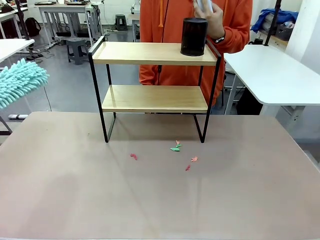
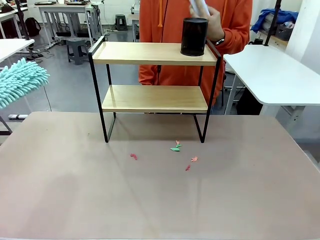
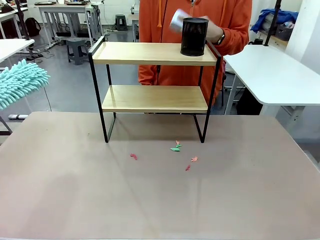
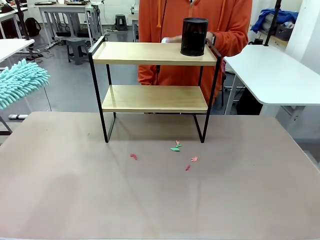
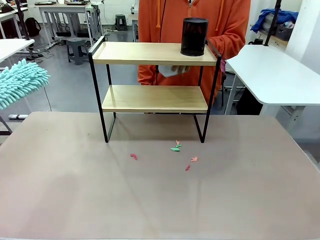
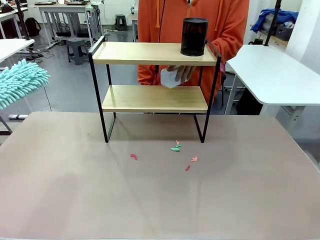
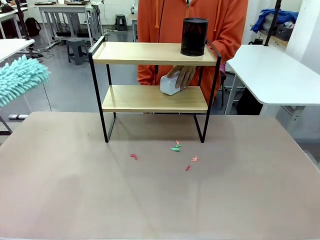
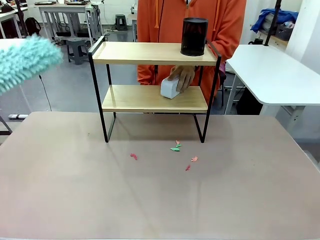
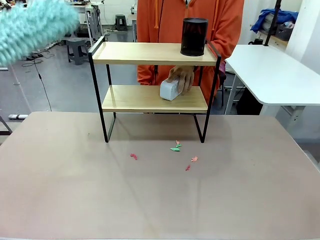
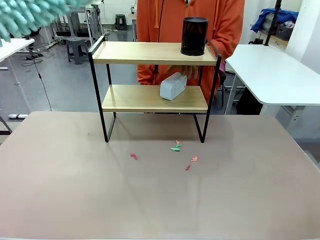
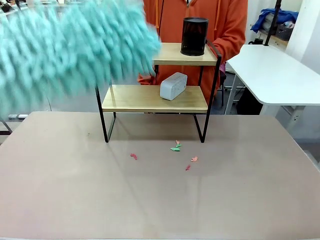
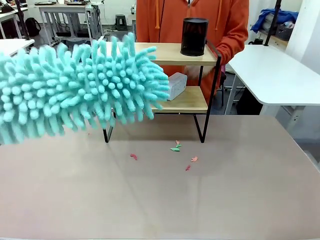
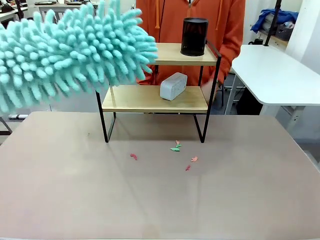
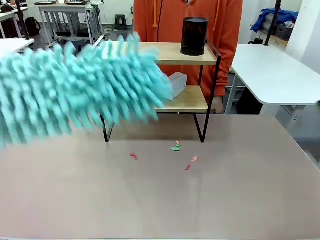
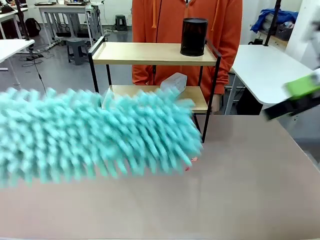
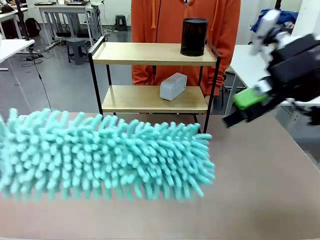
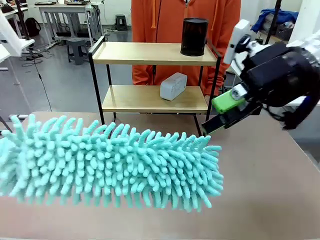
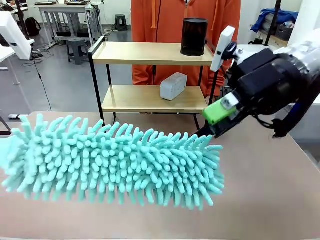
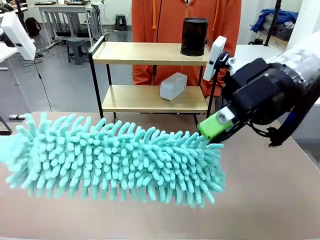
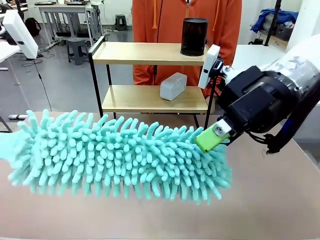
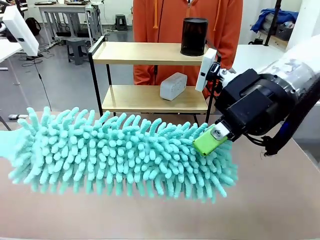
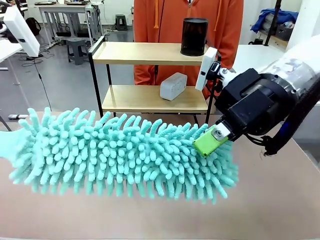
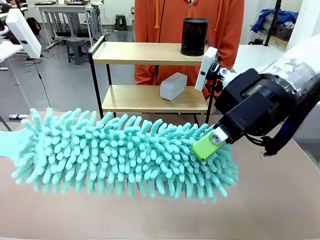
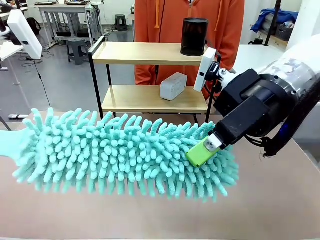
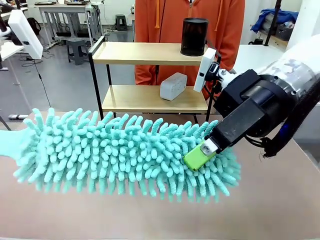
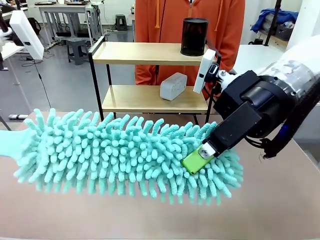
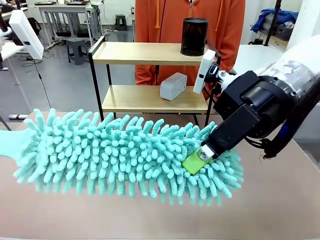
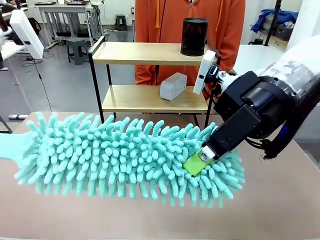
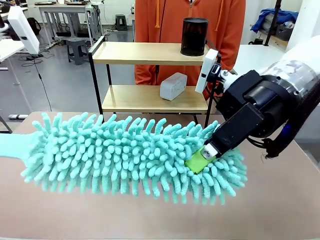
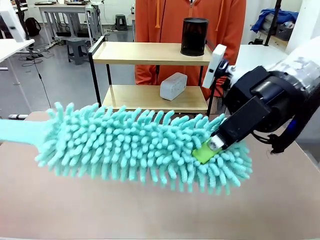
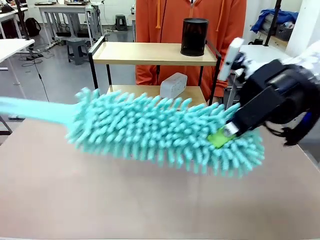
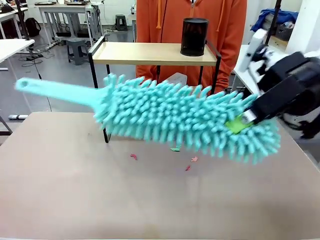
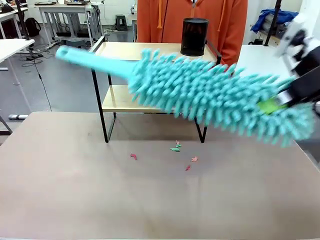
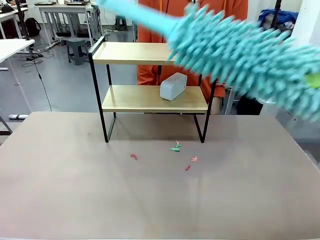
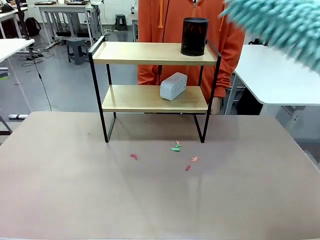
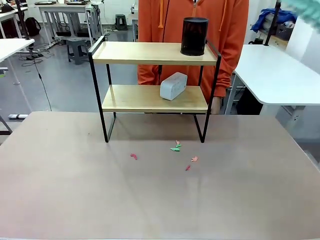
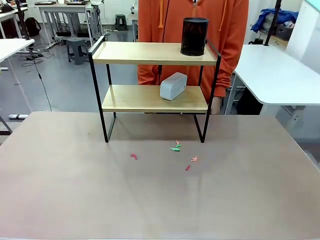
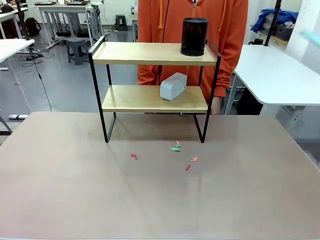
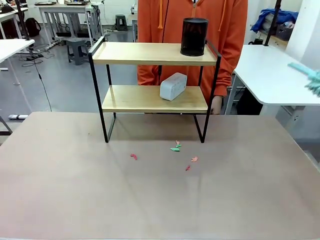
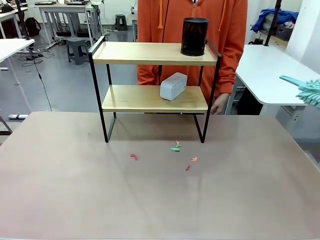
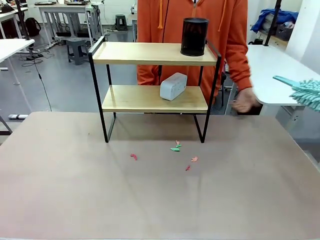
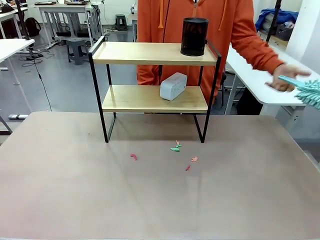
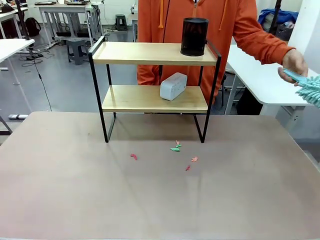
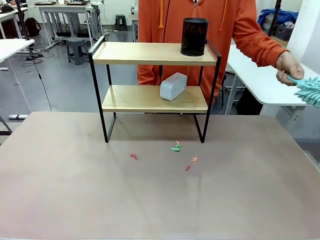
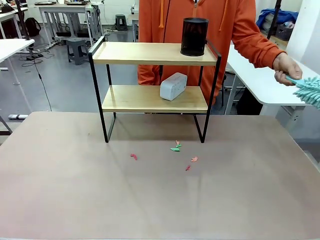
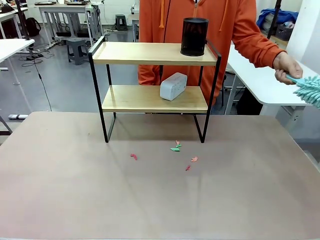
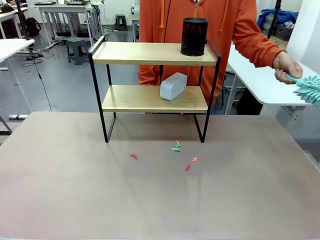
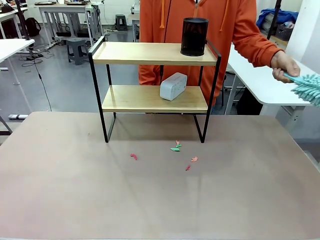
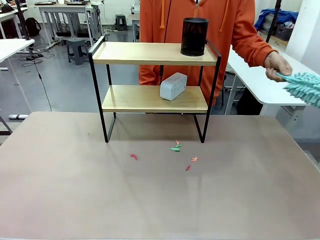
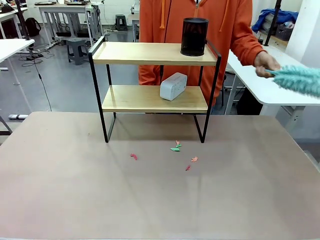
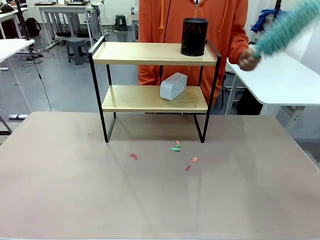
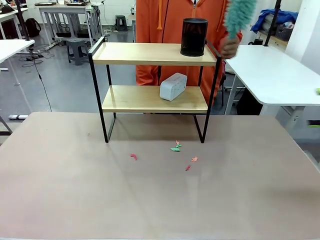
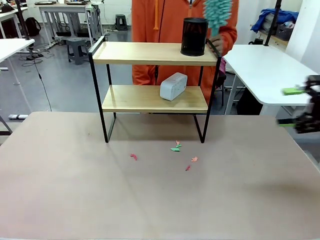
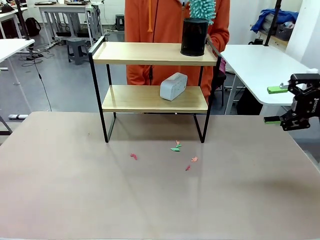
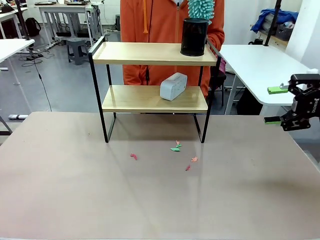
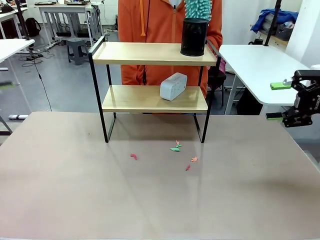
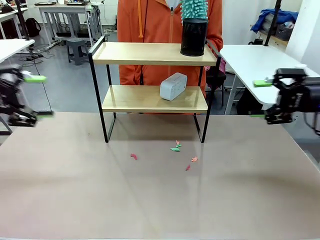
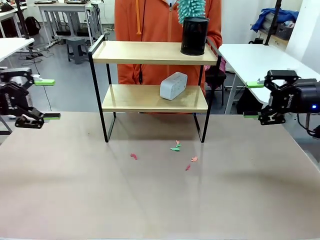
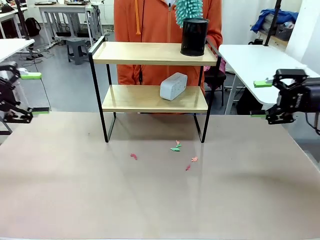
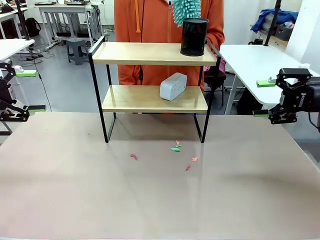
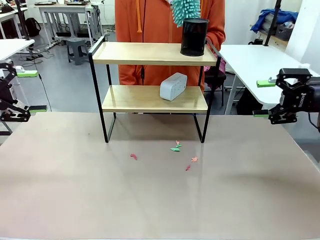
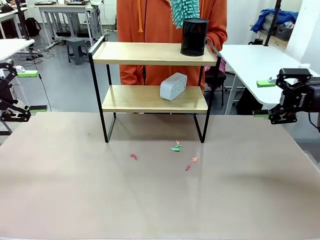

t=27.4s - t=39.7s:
Task: Clean the shelf.
Robot: Hand the Duster back to the human.
Person: Receive the Duster from the robot.

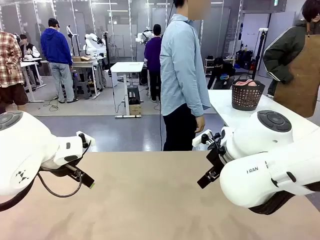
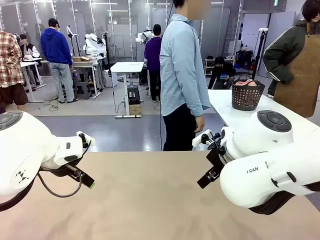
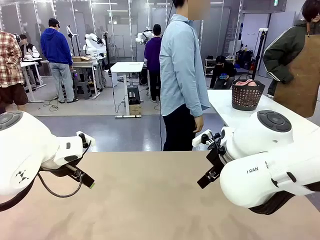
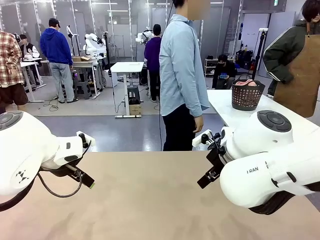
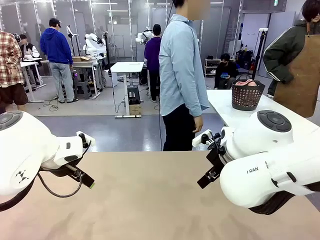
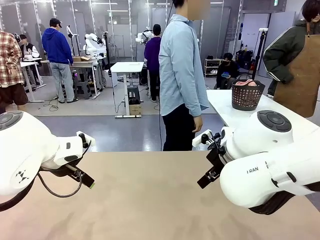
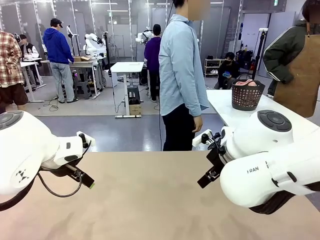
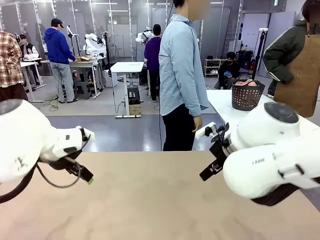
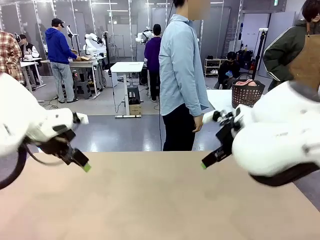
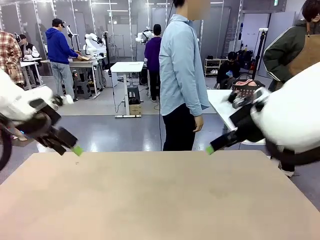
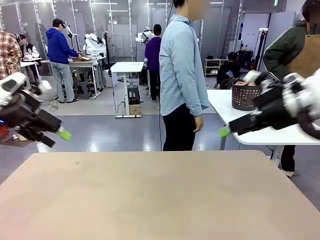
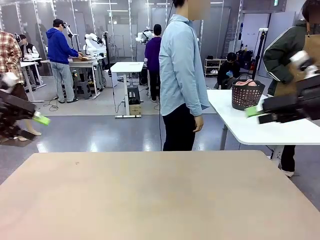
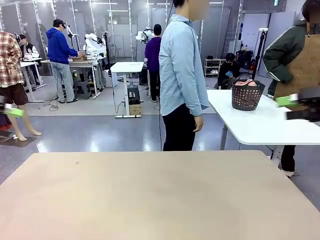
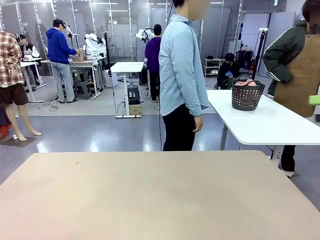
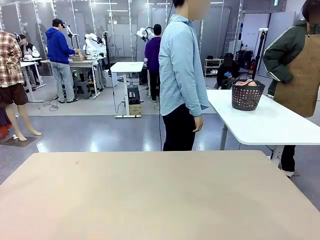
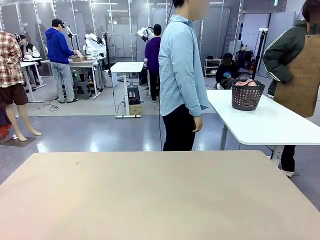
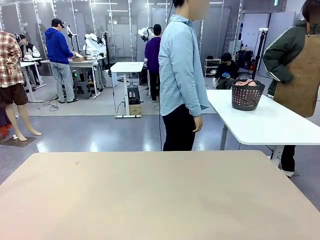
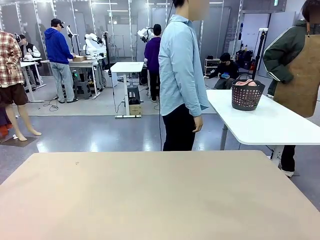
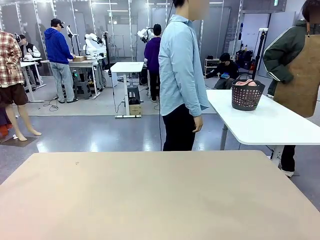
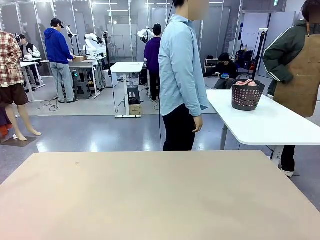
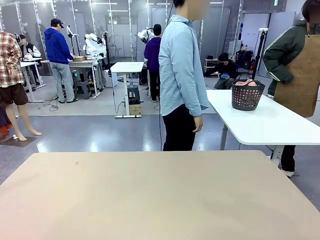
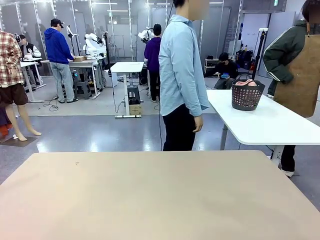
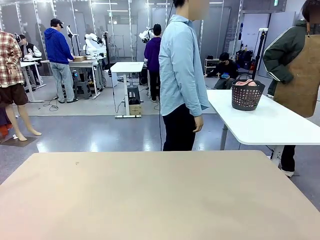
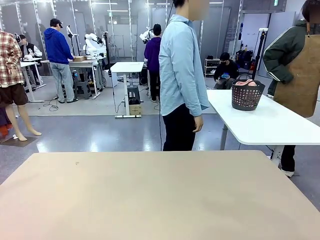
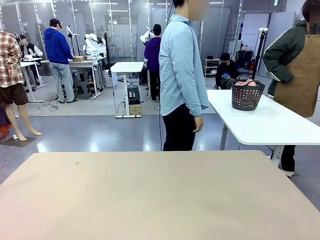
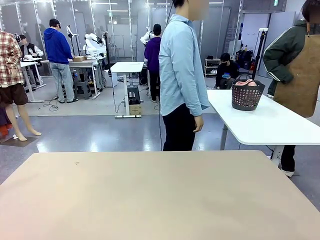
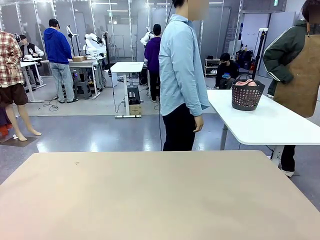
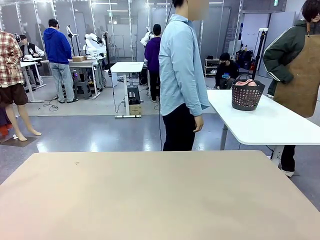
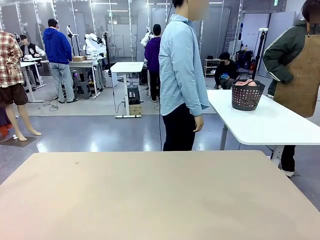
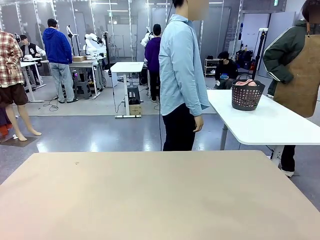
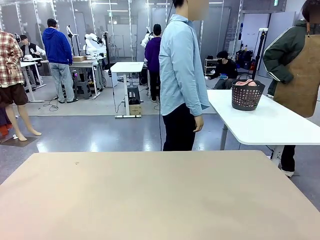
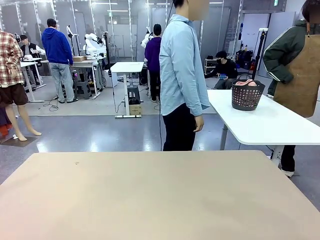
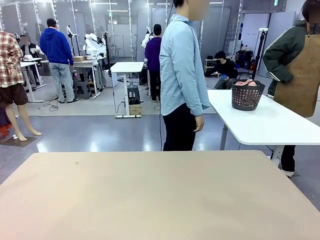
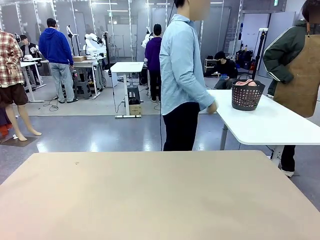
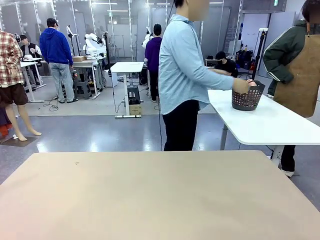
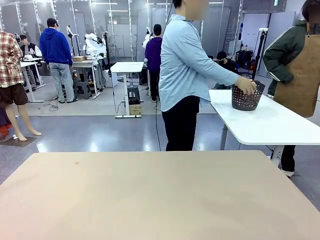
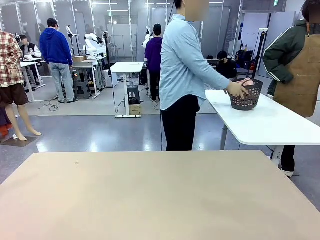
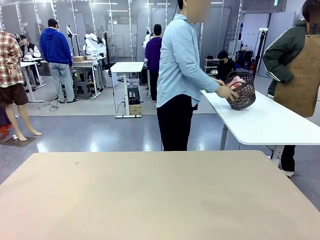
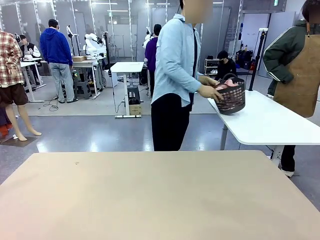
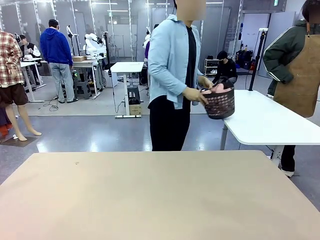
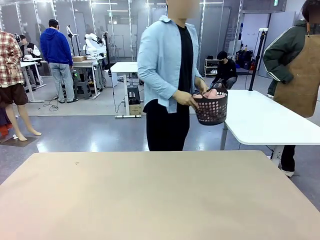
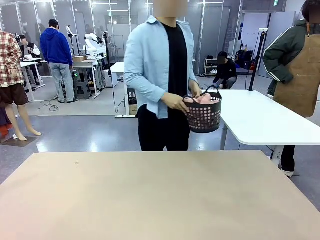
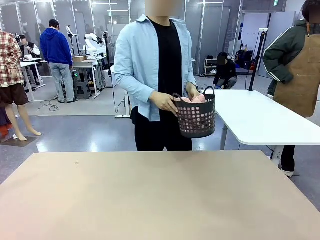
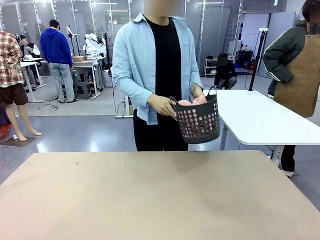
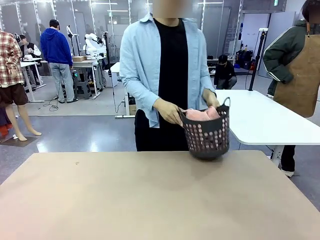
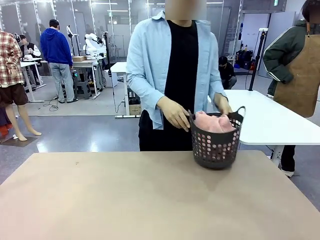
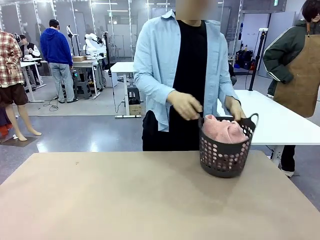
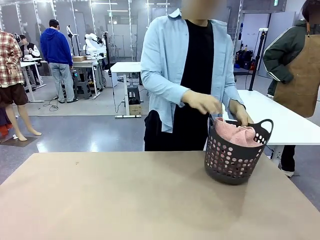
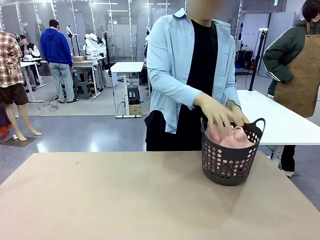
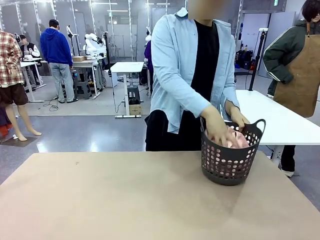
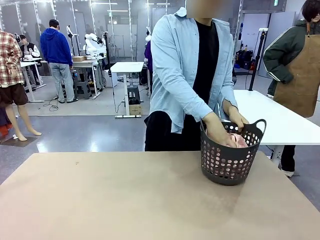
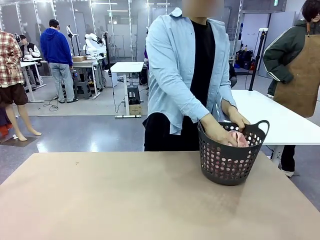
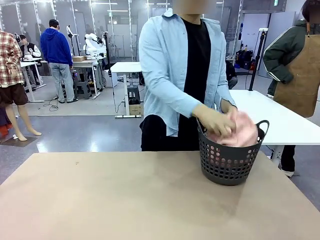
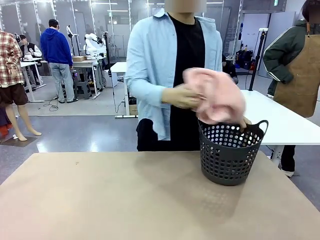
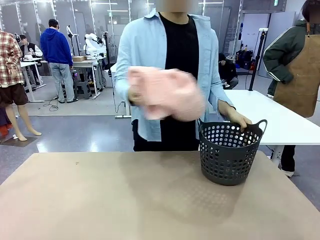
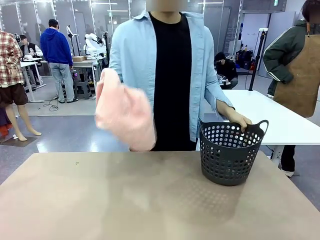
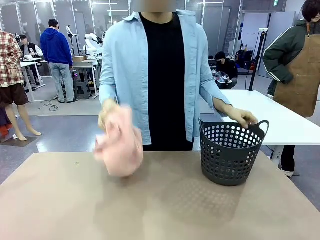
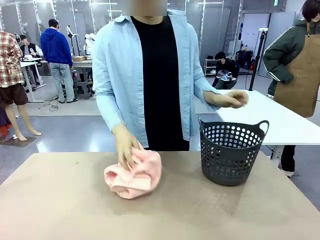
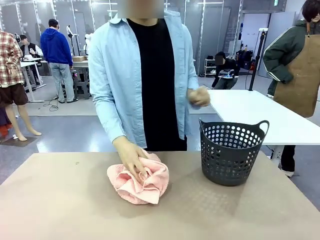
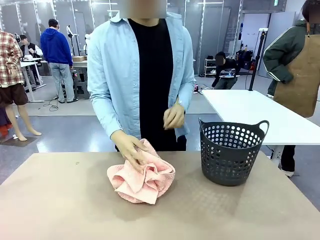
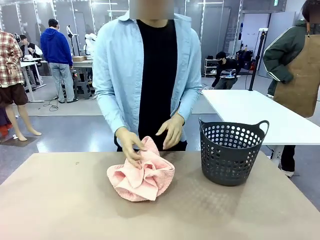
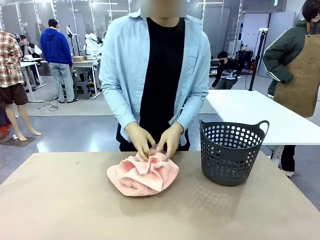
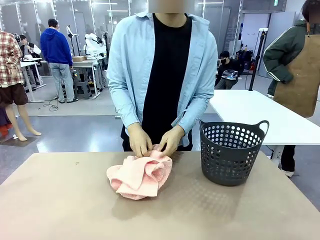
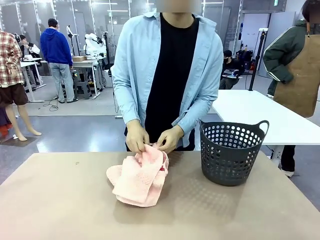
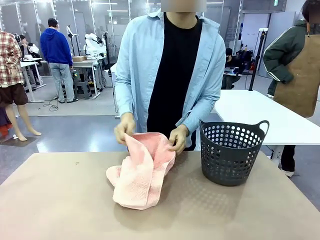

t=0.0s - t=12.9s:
Task: Fold the towel.
Robot: Grab the top end of the 100 cm Hotel Towel extended by the human.
Person: Pick up the laundry basket, place it on the left side of the robot table, then take out a towel and hand it to the robot while holding both corners of one end.
